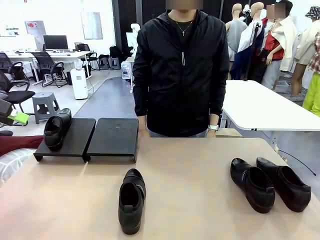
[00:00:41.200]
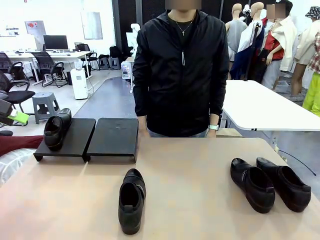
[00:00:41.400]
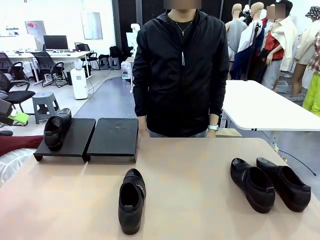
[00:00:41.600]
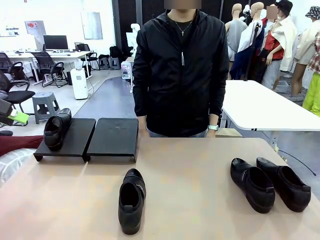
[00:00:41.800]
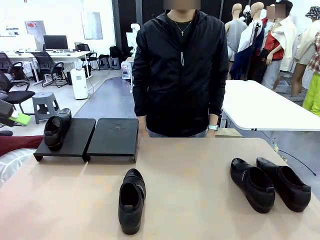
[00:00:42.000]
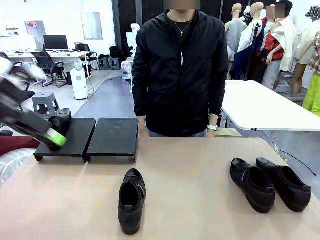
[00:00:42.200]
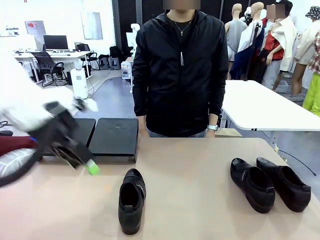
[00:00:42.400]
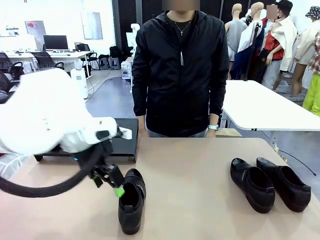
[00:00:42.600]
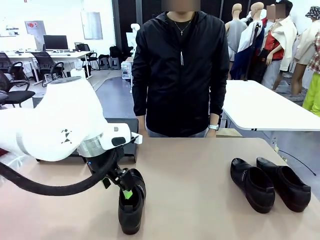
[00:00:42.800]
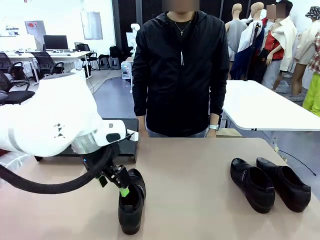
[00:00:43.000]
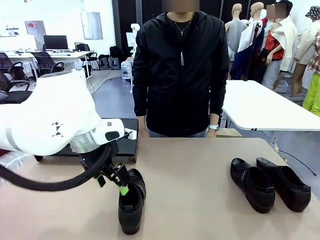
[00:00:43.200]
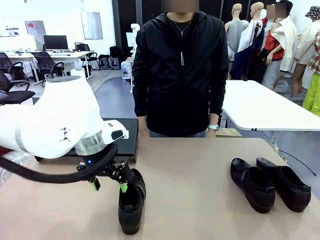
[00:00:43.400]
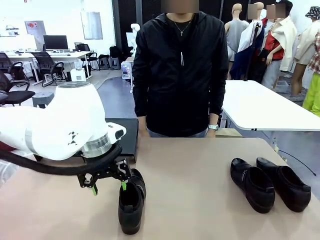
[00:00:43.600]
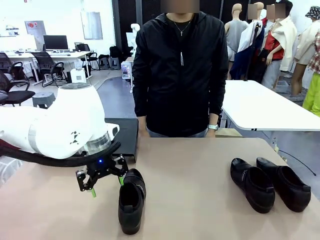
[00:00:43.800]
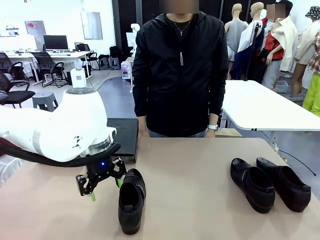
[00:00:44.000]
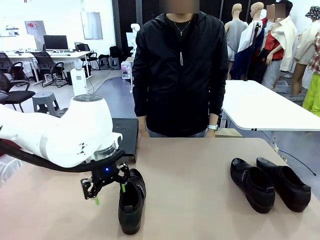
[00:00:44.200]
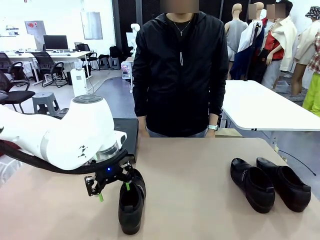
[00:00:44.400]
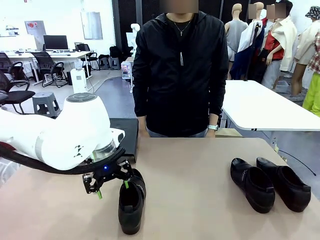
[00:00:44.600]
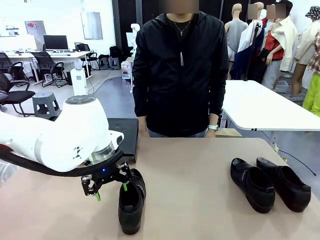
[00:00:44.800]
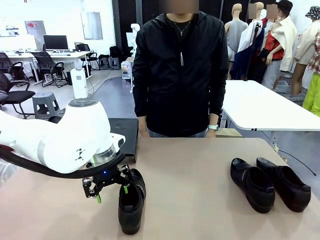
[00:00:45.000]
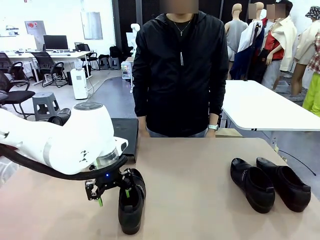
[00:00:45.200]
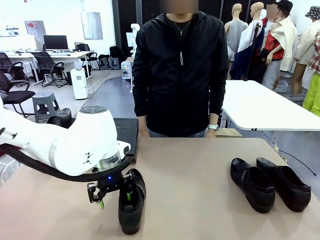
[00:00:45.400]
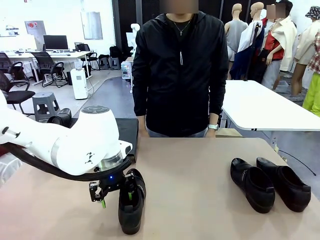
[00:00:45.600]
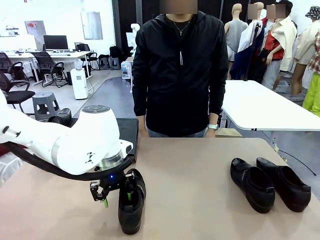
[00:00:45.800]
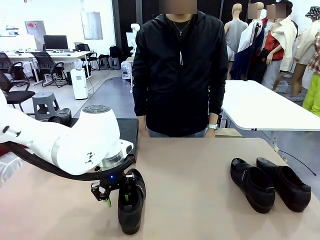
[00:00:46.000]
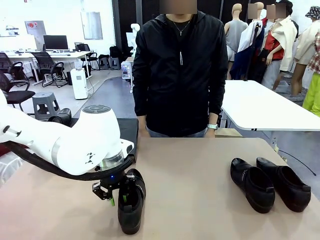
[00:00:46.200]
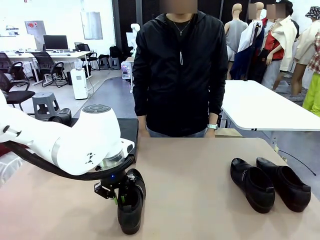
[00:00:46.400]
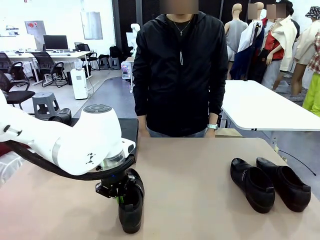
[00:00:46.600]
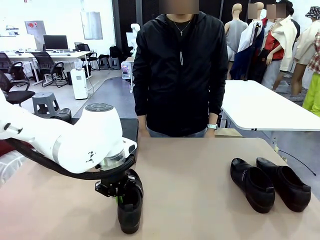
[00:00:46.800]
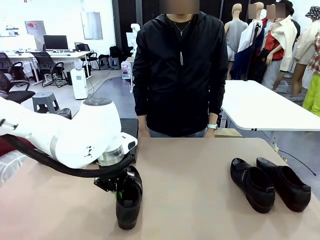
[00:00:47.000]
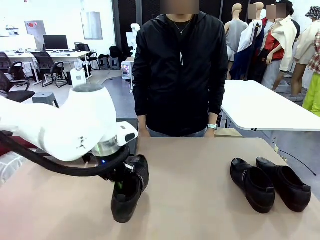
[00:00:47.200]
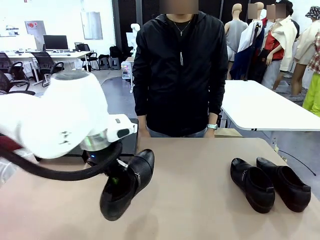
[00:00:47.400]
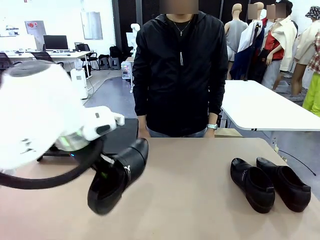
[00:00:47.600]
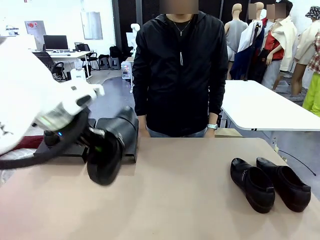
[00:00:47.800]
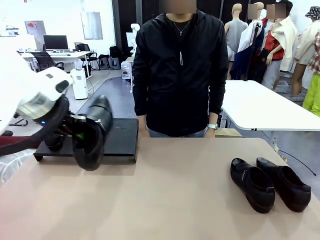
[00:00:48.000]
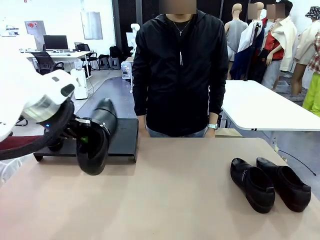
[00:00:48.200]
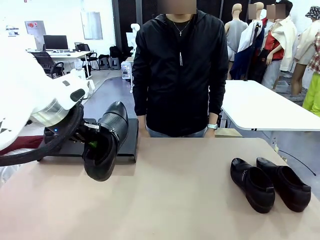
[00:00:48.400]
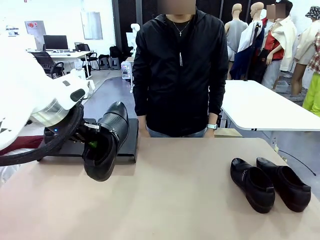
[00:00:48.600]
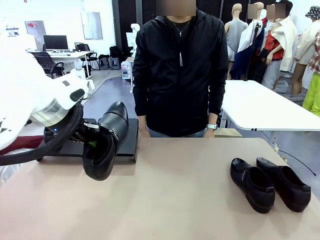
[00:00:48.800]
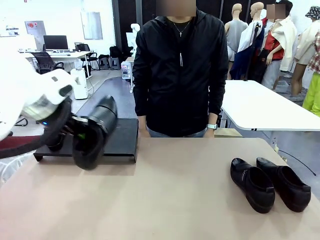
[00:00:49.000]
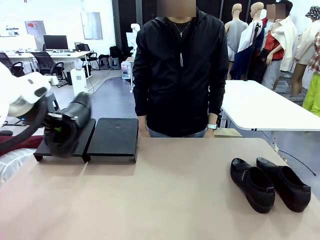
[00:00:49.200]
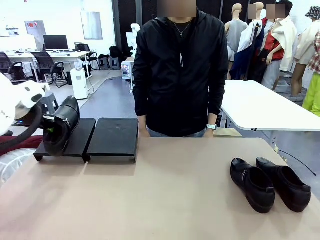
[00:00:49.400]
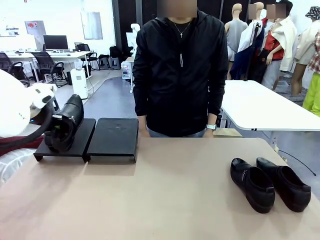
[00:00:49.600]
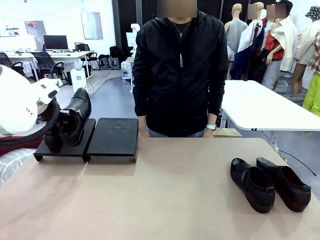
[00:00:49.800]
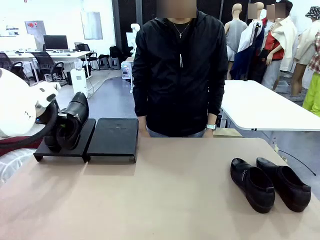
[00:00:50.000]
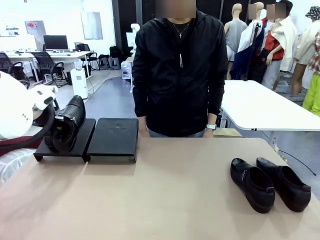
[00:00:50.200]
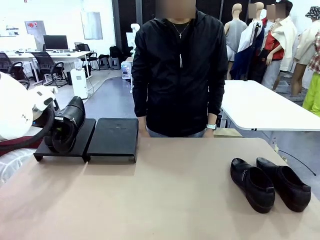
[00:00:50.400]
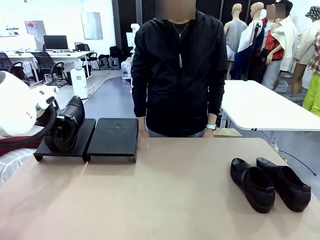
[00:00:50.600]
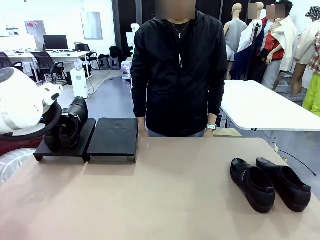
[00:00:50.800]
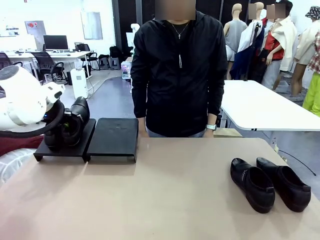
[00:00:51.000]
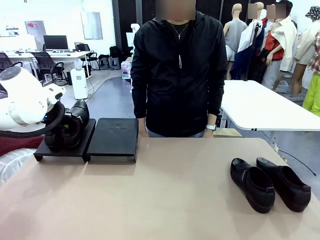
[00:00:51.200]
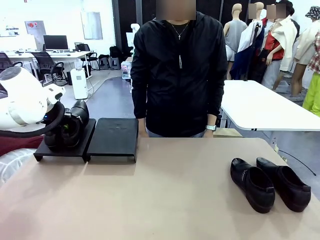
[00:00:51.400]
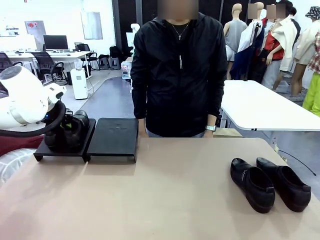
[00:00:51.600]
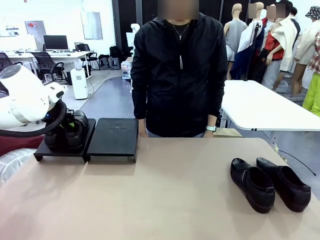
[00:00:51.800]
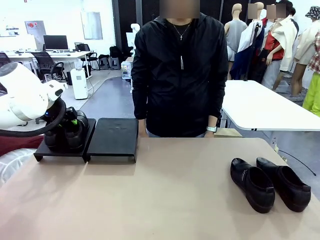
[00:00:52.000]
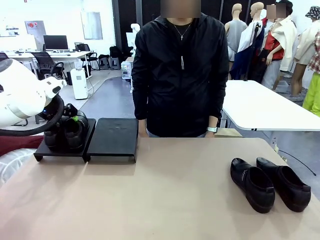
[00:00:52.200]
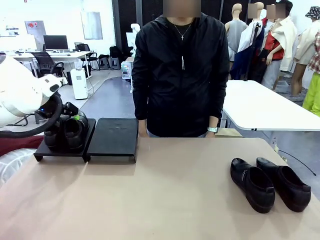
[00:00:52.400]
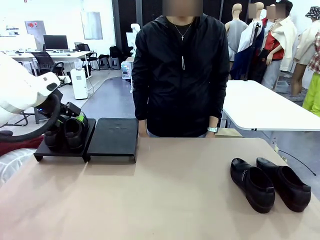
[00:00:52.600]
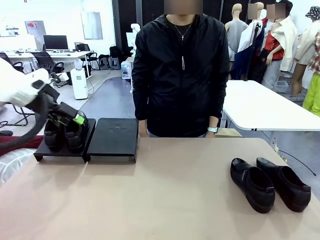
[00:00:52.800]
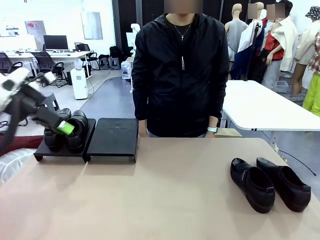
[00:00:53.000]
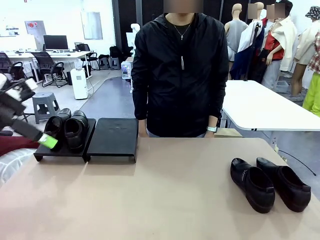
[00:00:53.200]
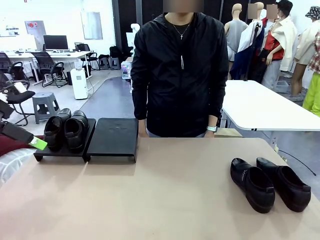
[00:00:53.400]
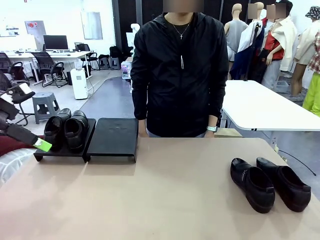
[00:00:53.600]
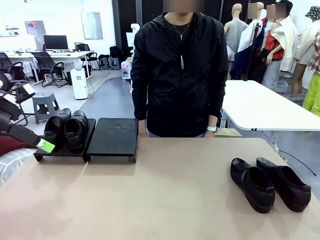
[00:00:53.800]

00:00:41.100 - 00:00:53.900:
Task: Organize the shoes by placing them on the stand.
Robot: Place the Shoe from the middle of the table onto the Shoes Stand.

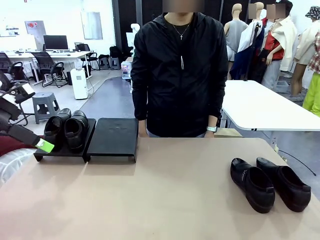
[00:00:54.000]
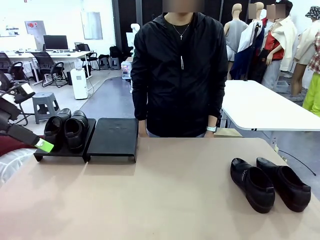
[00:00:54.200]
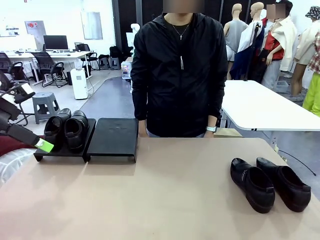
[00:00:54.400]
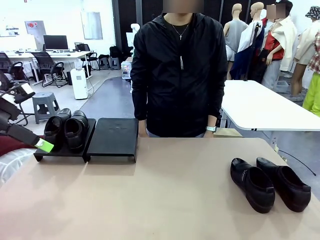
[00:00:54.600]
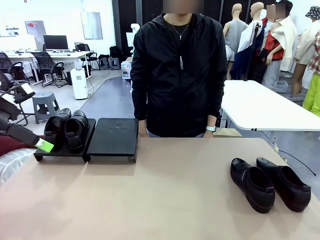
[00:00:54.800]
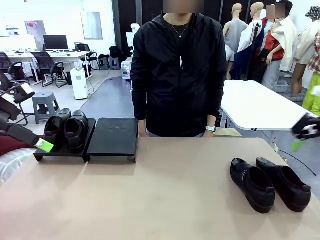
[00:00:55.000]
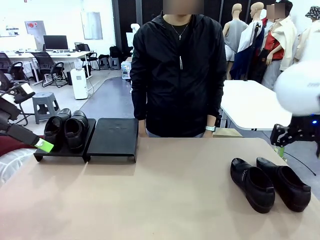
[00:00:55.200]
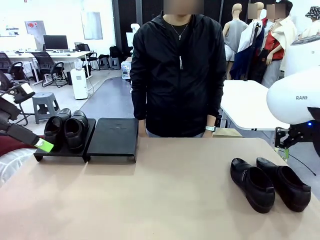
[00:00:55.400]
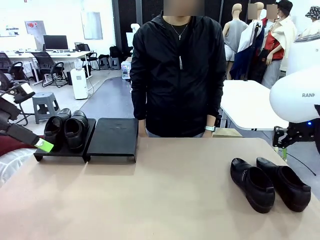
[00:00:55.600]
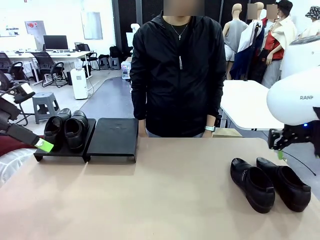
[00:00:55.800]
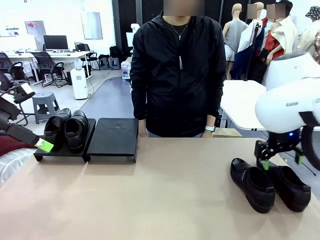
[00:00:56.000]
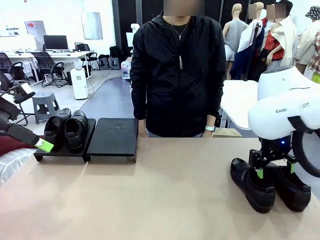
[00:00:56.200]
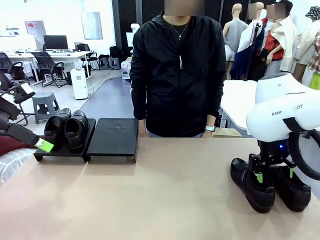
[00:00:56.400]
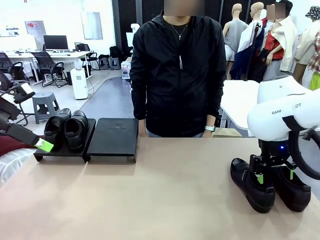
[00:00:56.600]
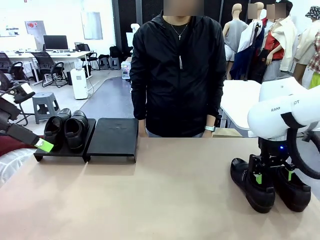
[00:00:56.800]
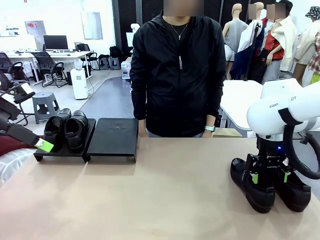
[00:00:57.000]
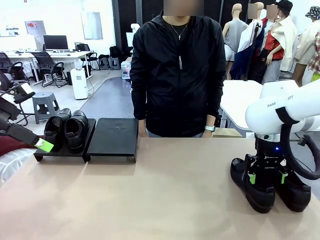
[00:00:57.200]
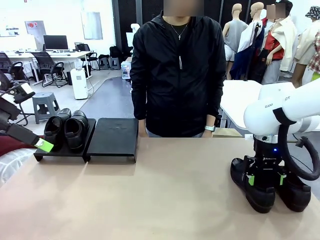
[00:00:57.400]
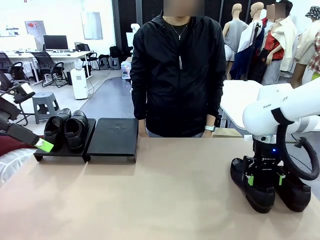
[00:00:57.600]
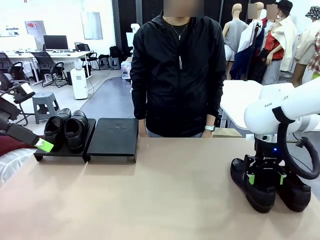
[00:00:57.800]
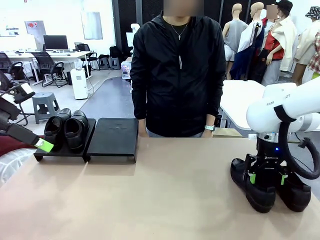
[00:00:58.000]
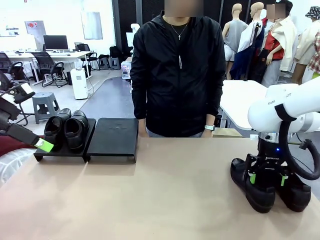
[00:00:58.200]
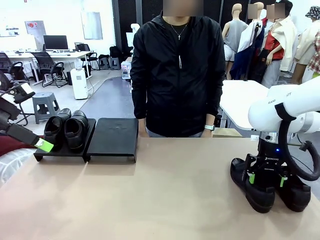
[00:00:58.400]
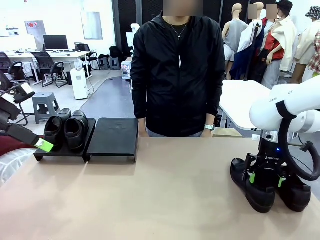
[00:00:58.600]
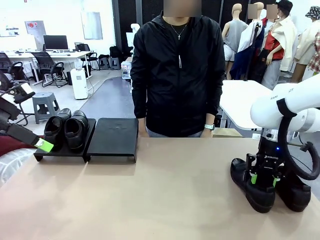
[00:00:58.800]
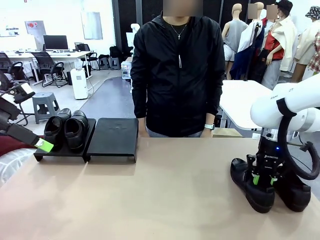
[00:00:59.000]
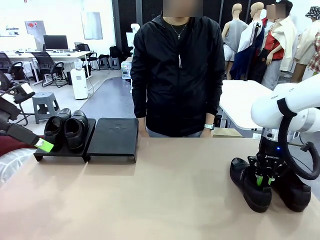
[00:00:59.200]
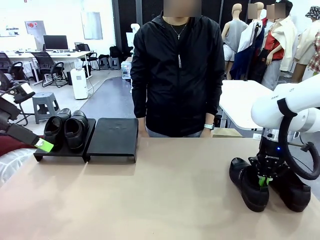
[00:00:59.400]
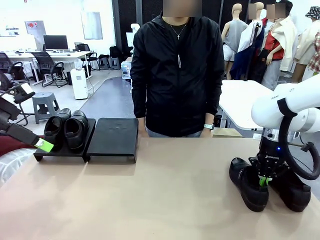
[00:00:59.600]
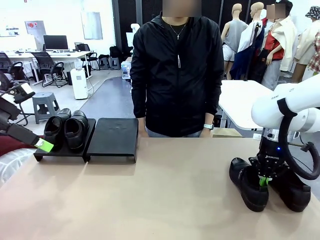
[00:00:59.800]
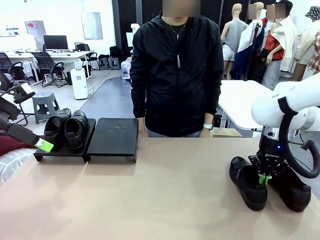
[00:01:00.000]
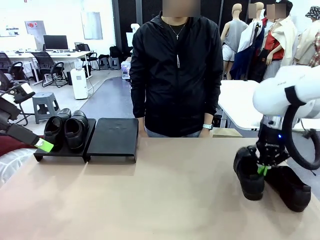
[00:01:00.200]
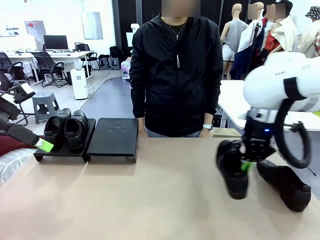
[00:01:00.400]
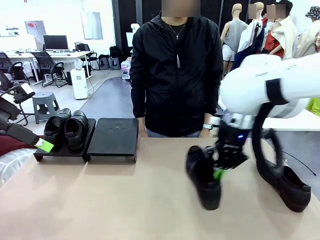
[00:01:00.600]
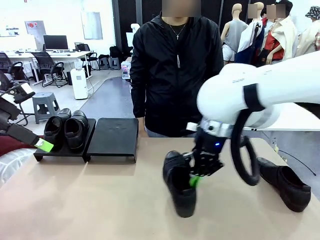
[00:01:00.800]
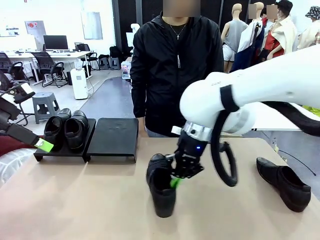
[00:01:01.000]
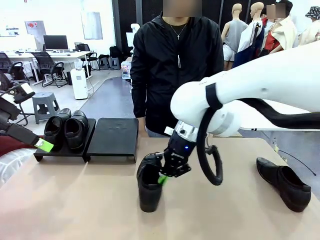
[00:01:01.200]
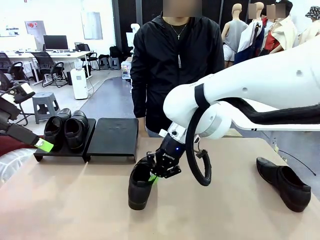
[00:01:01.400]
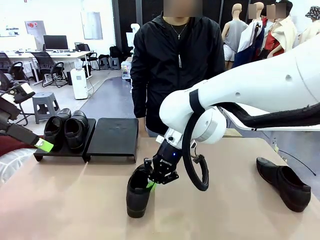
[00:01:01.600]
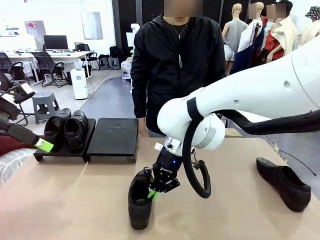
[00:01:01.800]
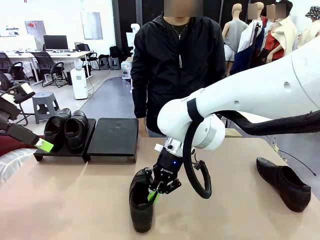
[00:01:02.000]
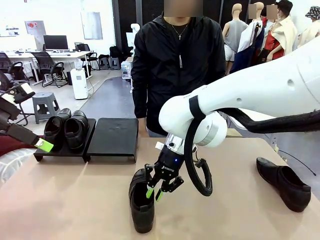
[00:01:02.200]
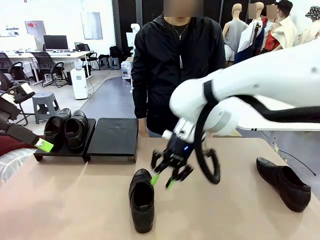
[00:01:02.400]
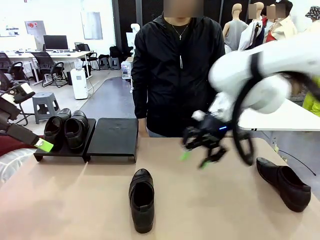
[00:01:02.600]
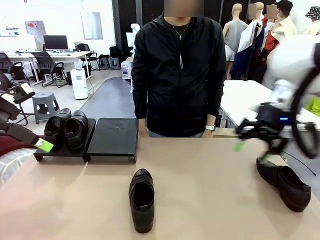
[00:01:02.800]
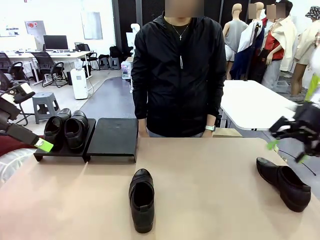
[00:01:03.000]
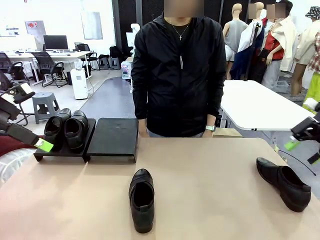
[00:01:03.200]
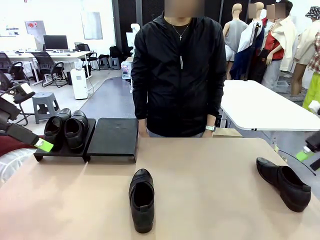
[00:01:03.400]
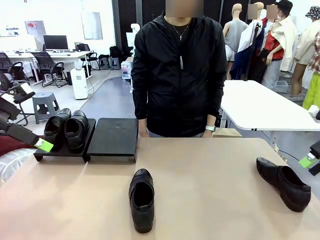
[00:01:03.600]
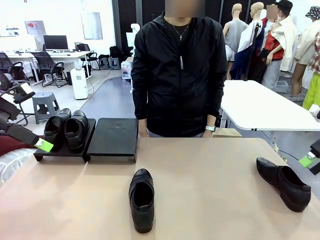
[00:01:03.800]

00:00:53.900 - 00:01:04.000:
Robot: Pick up one Shoe and place it in the middle of the table.
